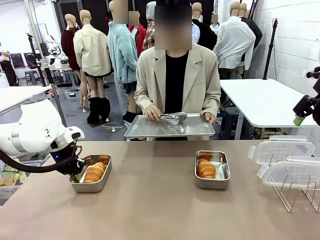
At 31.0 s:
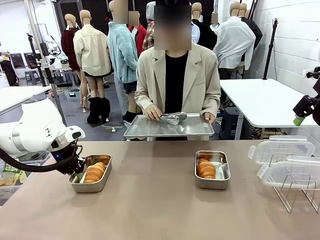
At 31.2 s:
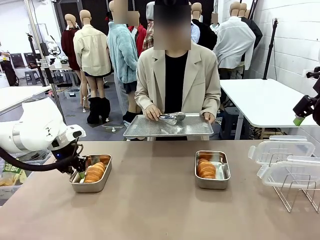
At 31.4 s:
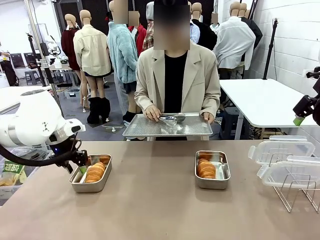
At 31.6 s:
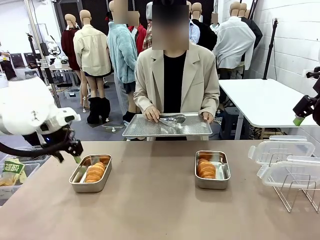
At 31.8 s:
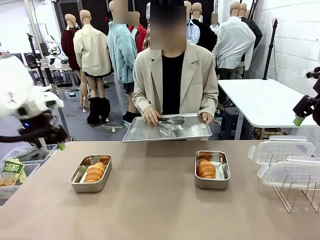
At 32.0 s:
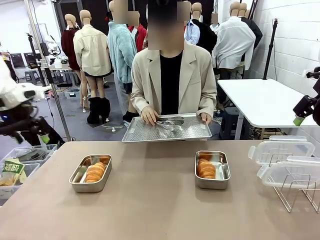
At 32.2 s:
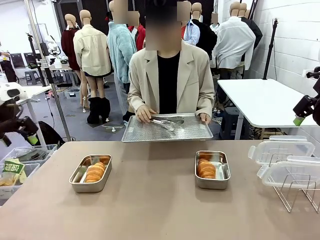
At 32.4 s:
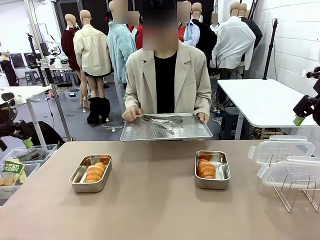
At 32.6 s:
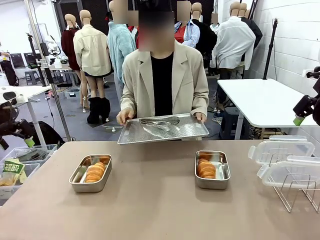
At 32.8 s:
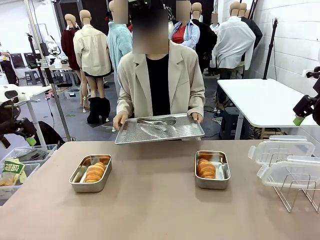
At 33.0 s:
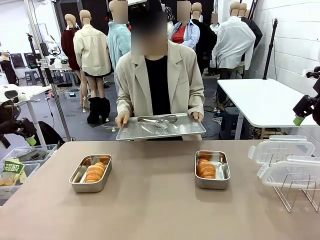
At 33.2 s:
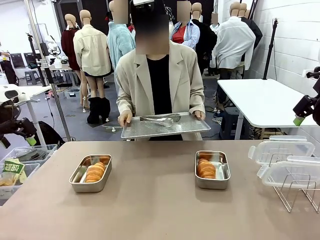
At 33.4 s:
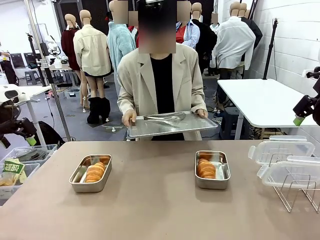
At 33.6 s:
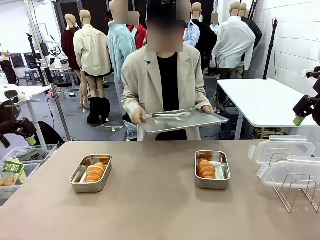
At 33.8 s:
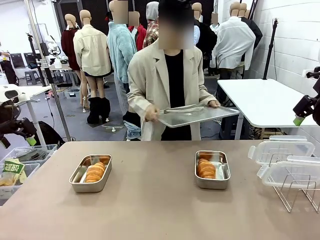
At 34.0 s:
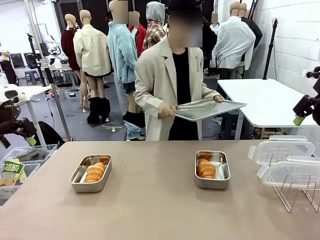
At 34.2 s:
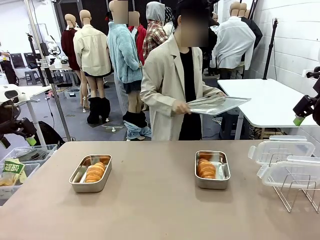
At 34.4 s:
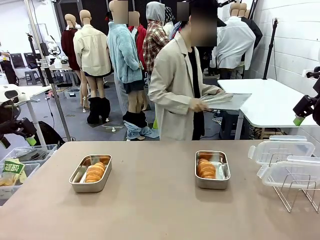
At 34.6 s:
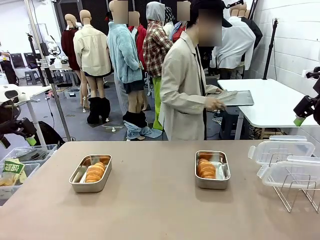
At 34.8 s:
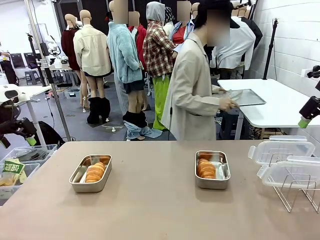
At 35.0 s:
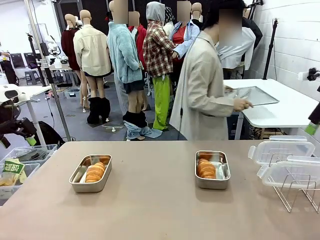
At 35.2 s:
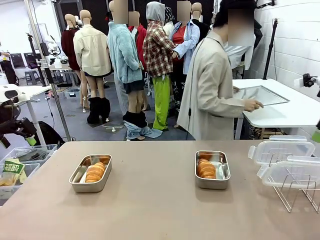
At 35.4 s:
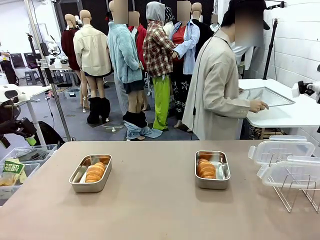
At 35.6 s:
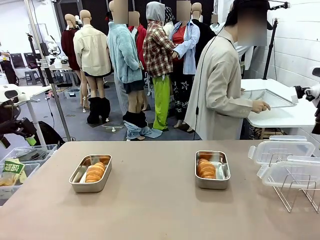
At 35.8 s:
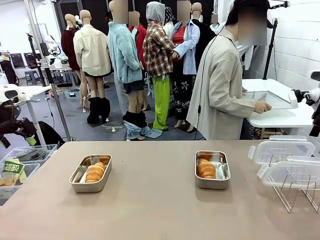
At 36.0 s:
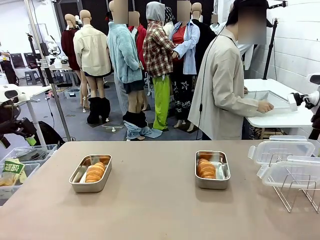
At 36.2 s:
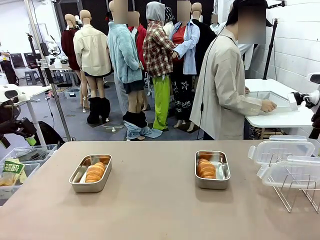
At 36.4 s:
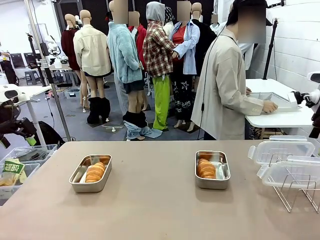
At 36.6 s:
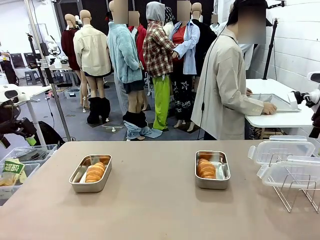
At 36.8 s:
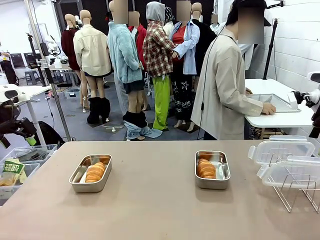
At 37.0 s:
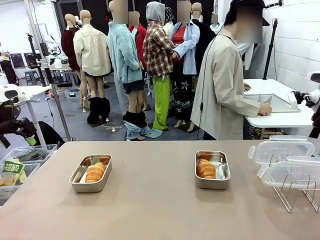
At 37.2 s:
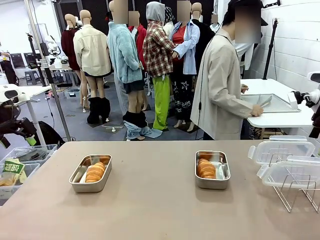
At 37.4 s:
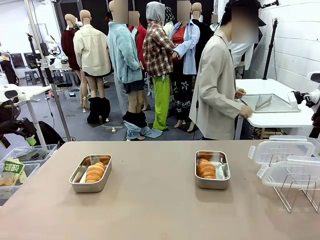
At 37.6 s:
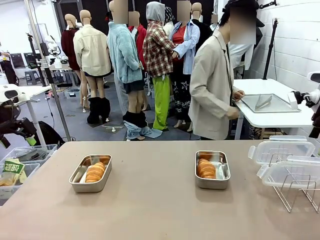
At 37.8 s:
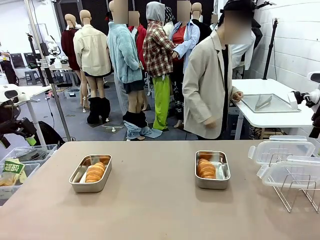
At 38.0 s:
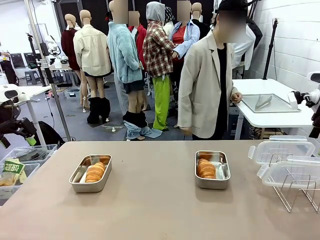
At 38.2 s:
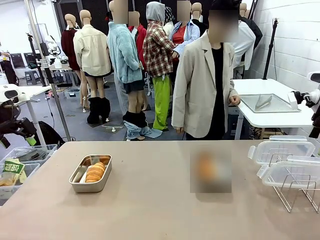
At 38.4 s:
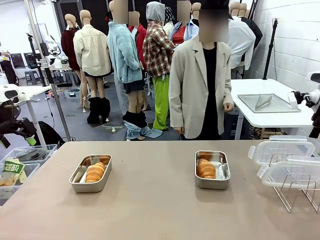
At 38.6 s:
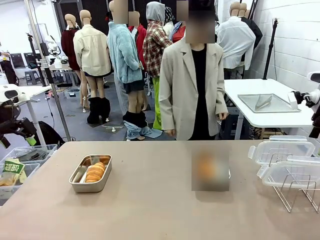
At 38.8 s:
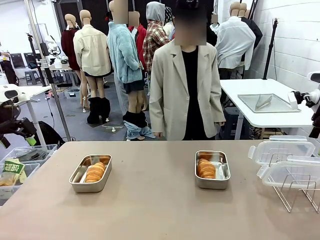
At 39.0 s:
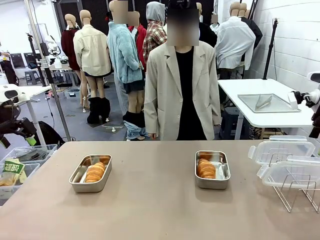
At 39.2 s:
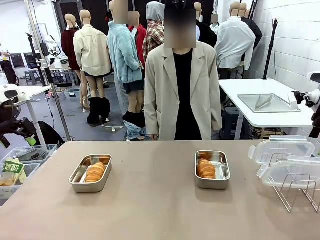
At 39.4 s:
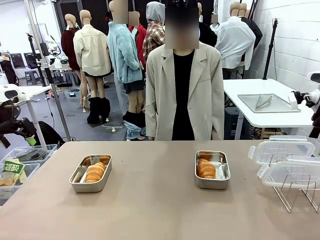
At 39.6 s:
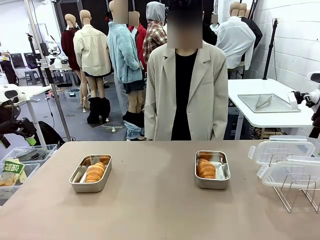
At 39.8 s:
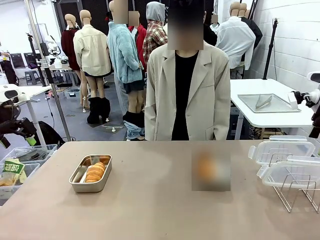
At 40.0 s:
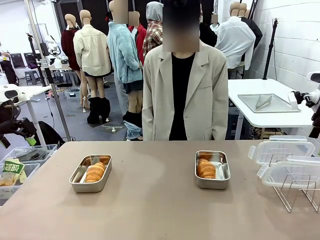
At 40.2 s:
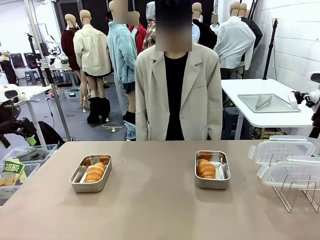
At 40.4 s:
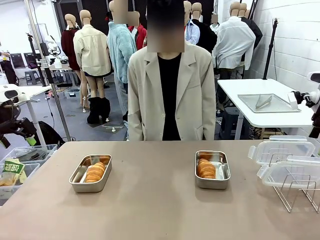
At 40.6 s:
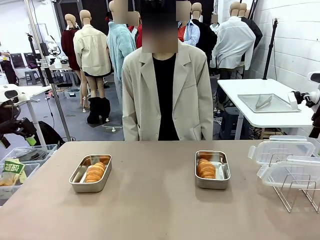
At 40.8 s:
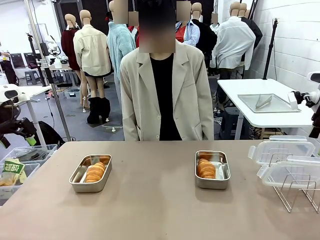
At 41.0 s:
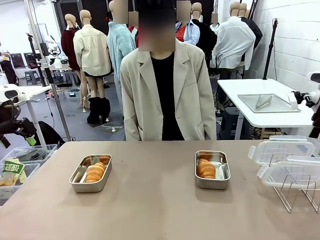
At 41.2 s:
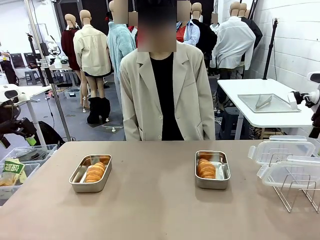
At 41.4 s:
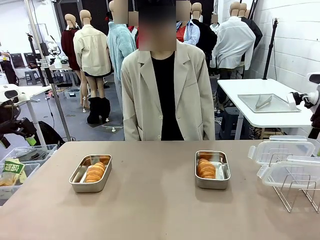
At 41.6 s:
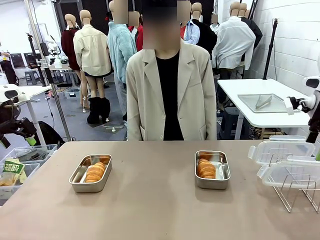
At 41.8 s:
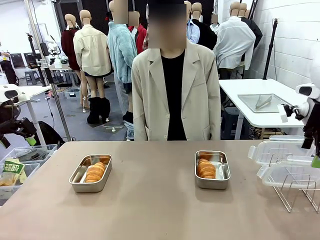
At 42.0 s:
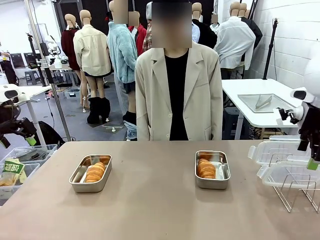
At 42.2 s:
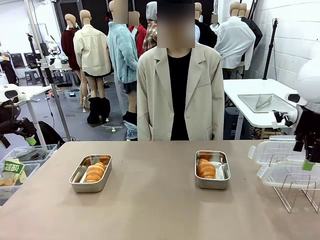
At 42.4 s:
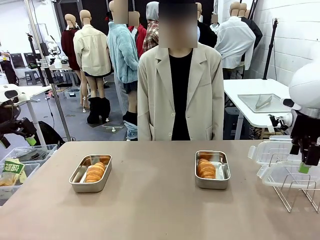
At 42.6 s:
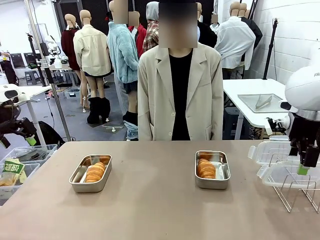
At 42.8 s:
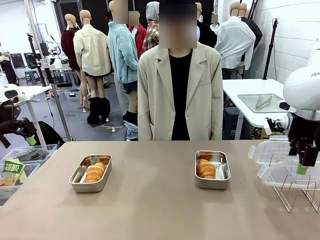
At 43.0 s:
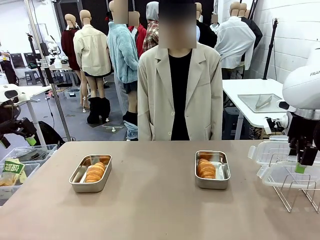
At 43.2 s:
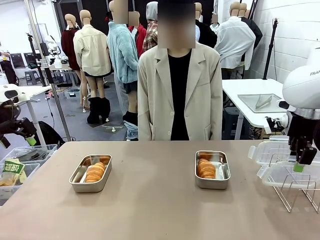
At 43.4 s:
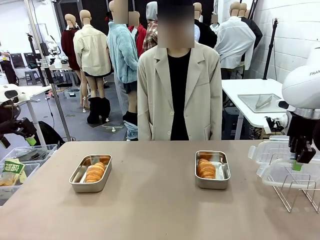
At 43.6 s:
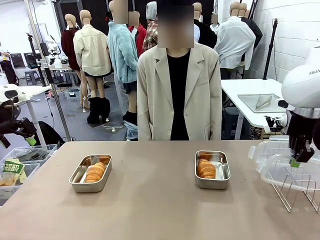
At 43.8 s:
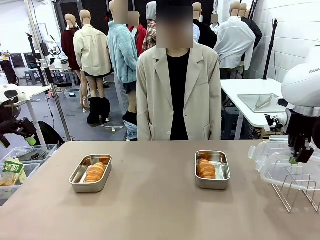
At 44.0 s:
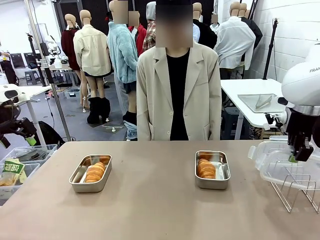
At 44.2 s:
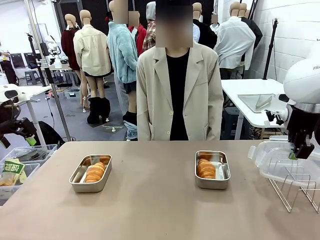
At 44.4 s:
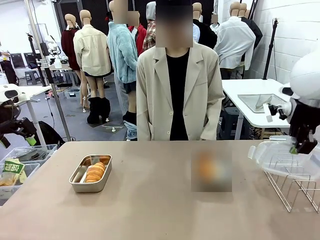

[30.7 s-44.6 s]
Task: Place the bread in airtight containers.
Robot: Pick up one Airtight Container lid and hand it to the human.
Person: Place Baking Sheet on the Human's Table.

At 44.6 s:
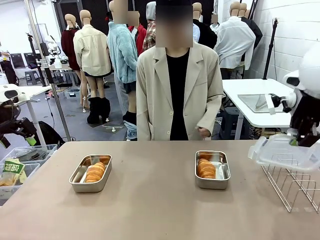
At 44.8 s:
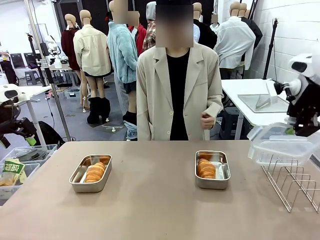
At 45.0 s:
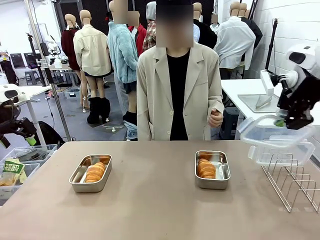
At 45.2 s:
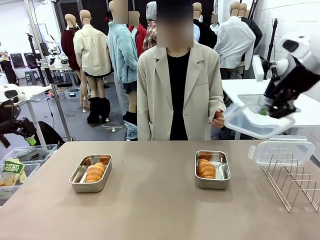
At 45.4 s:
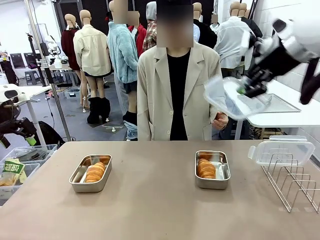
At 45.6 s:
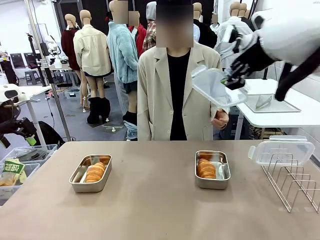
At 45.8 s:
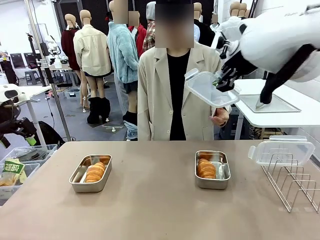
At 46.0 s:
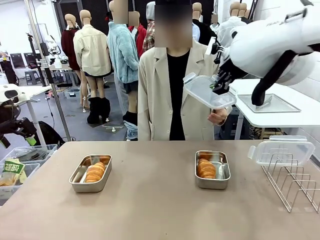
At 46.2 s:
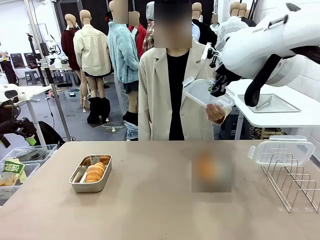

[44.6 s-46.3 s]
Robot: Release when the human grabs the Airtight Container lid.
